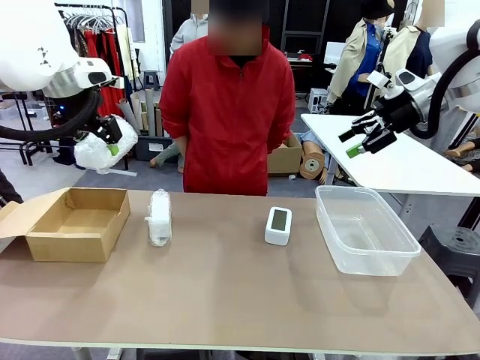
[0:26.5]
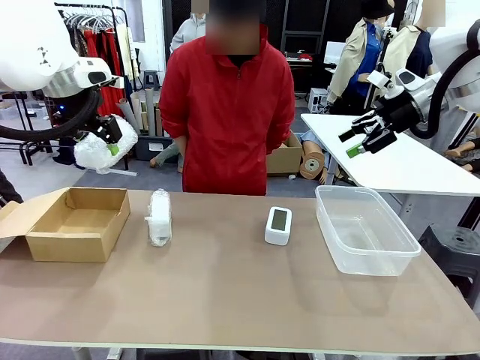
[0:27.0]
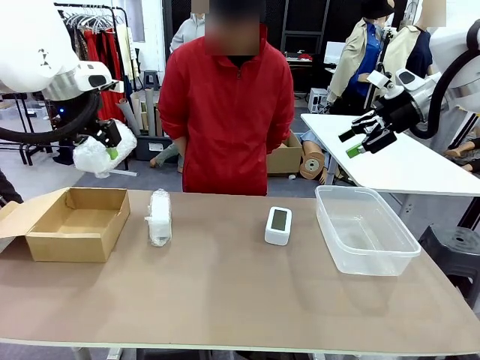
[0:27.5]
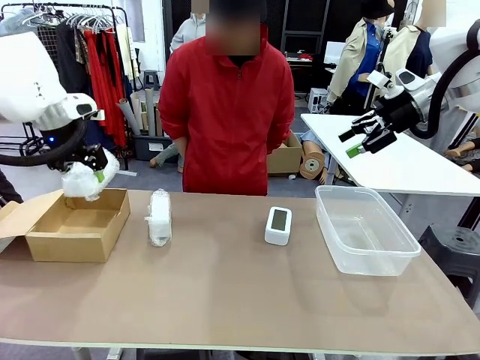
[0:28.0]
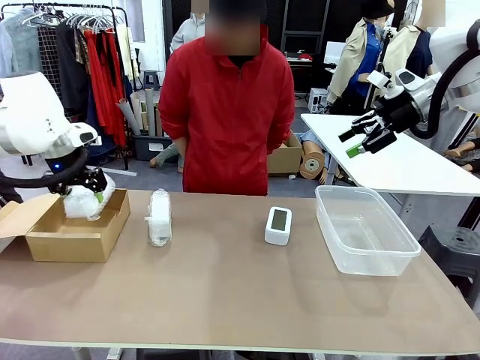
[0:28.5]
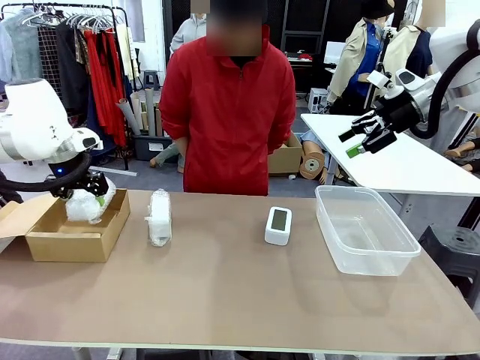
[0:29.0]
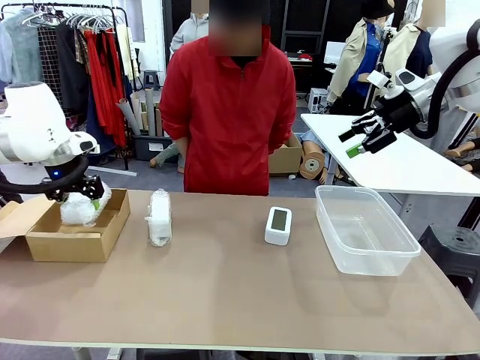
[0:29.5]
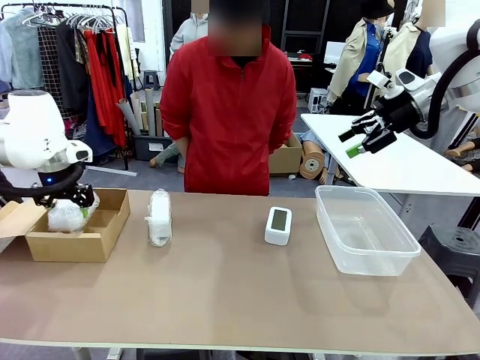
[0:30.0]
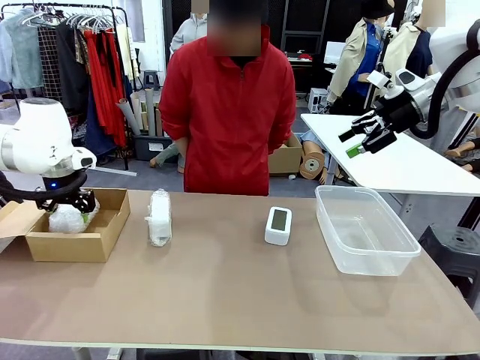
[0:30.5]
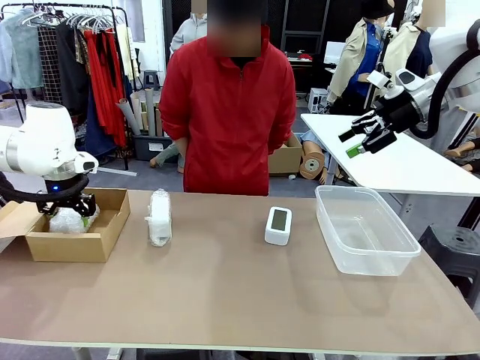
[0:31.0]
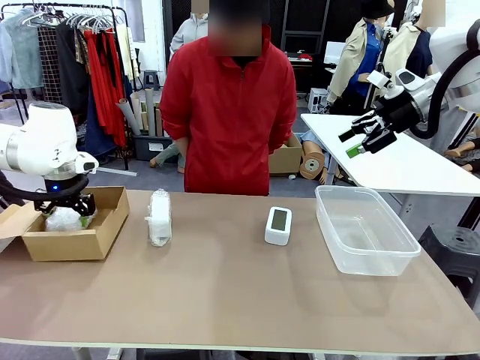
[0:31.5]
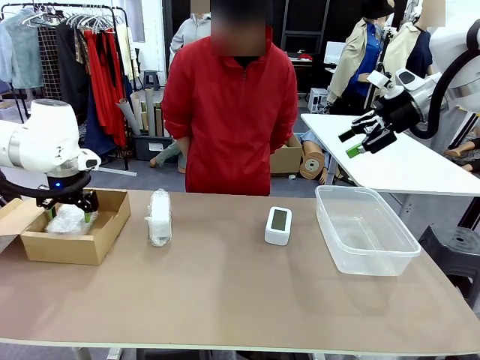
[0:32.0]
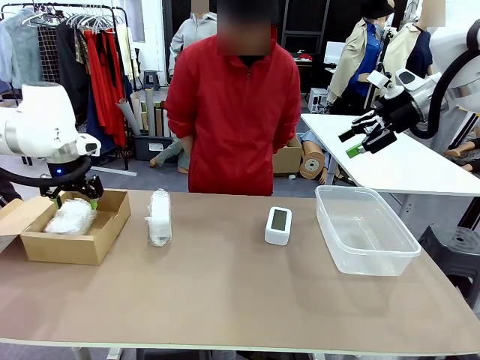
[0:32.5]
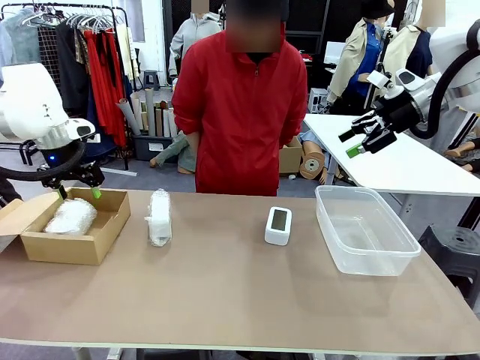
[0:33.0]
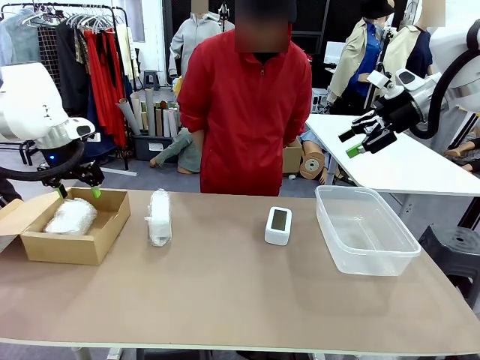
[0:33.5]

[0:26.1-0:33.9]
Task: Separate and place wrapped and unwrapped clocks.
Robot: If the picked Digital clock is wrapped, place it in the Package Box ; if not, place it in the Organizing box.

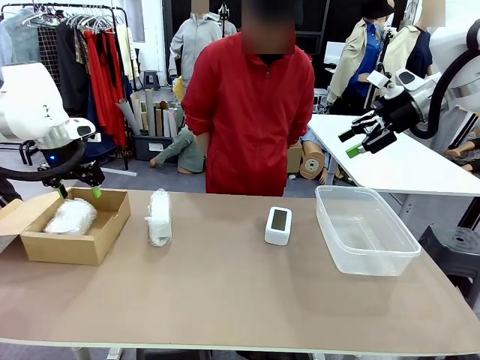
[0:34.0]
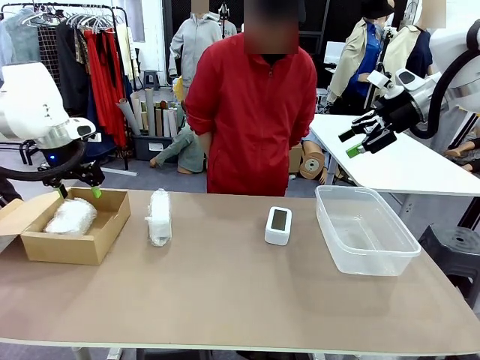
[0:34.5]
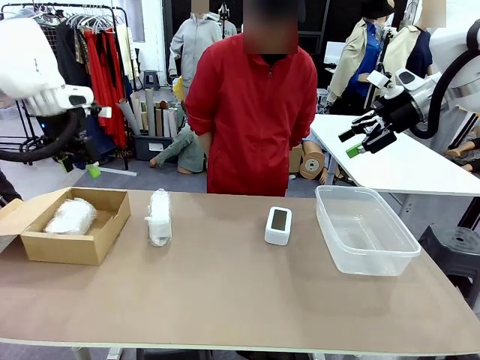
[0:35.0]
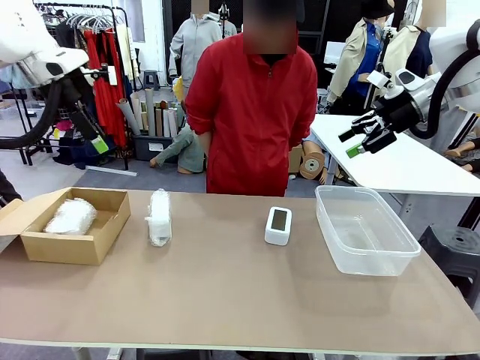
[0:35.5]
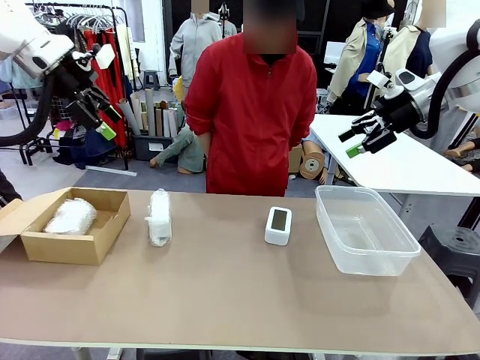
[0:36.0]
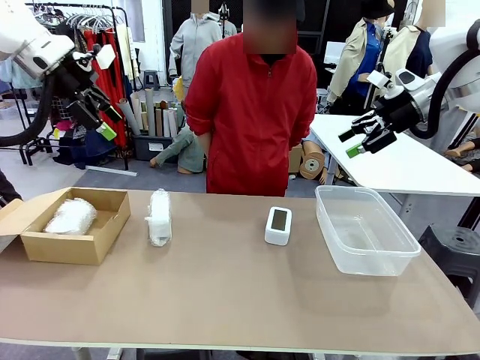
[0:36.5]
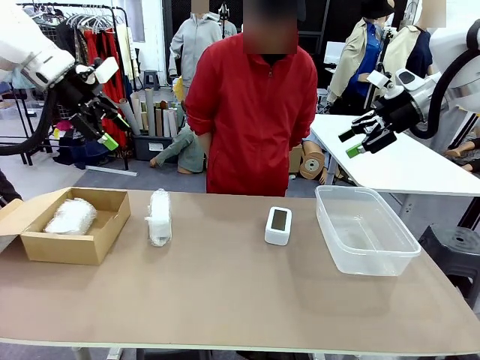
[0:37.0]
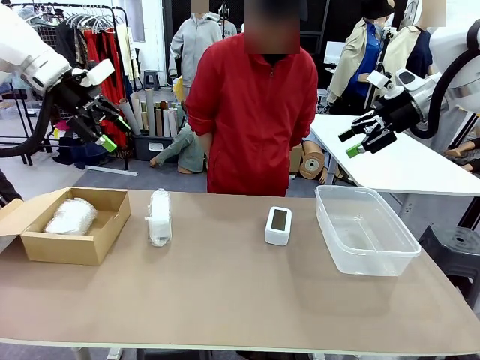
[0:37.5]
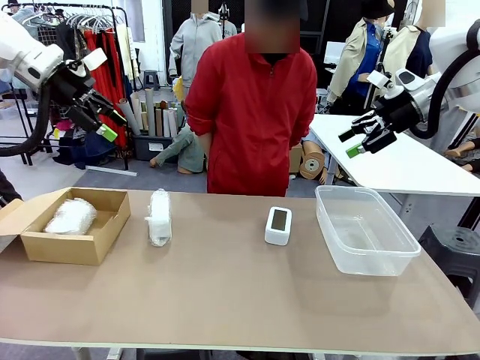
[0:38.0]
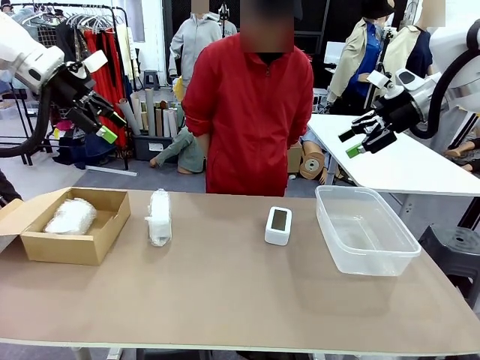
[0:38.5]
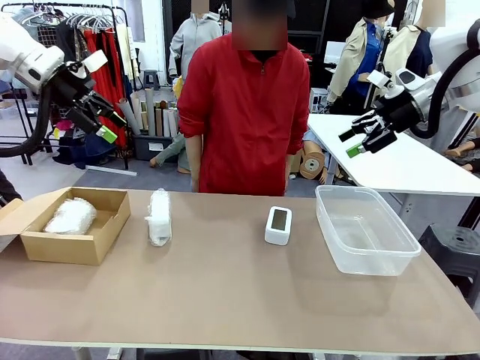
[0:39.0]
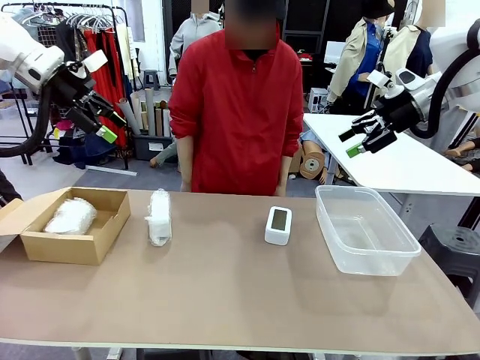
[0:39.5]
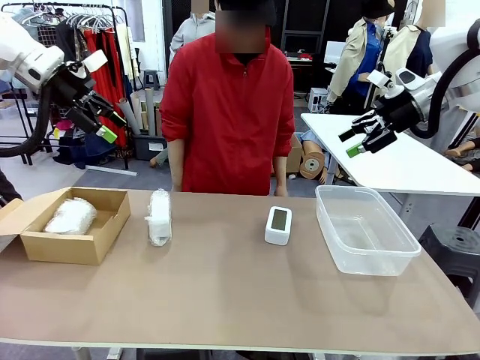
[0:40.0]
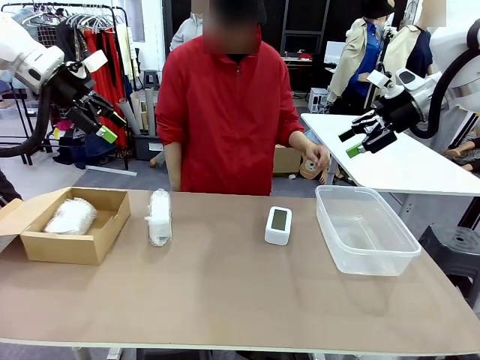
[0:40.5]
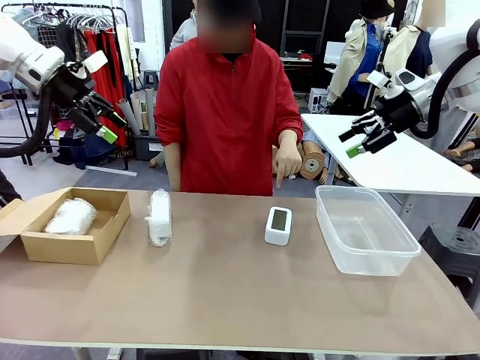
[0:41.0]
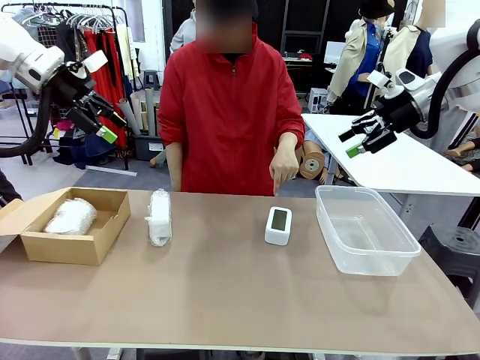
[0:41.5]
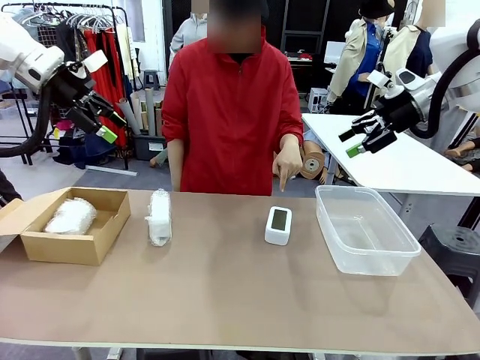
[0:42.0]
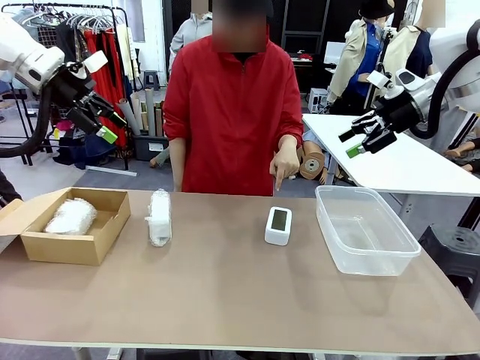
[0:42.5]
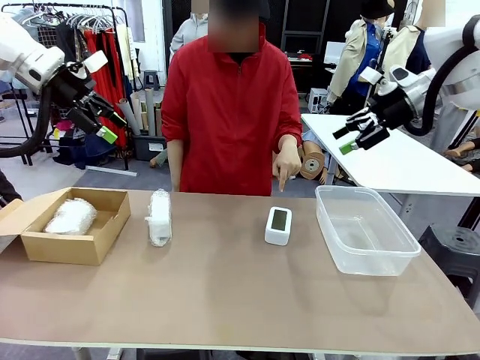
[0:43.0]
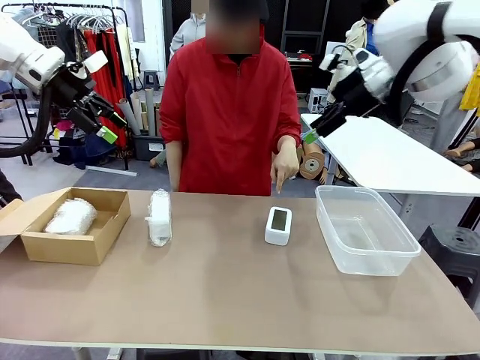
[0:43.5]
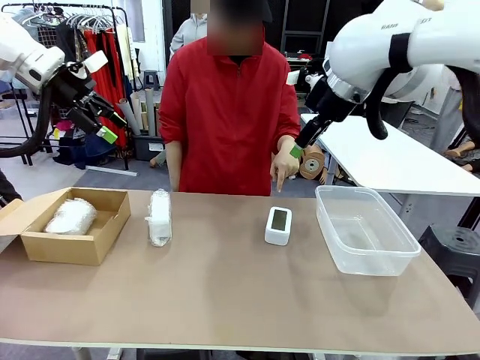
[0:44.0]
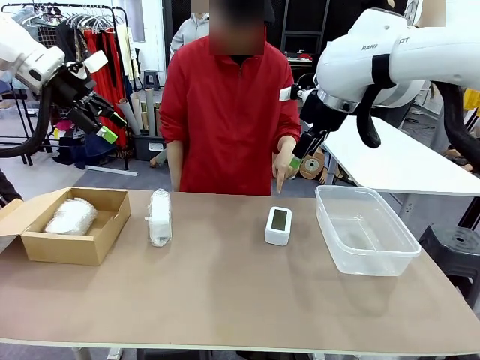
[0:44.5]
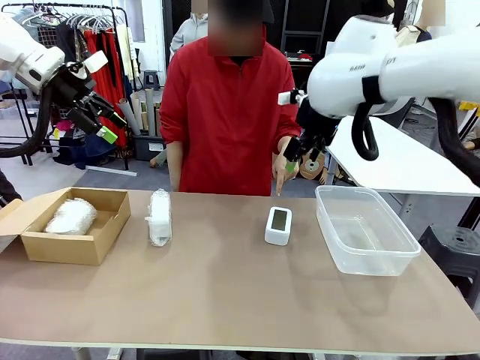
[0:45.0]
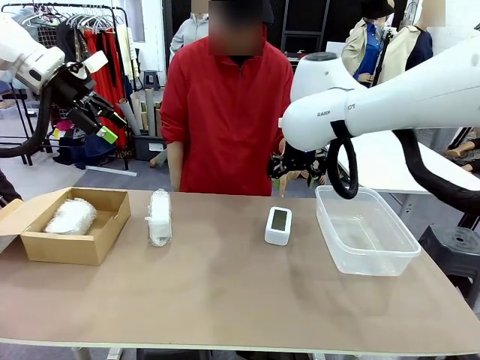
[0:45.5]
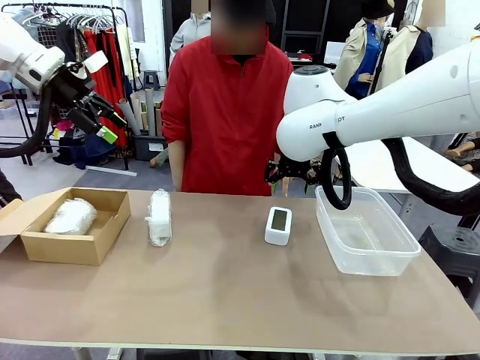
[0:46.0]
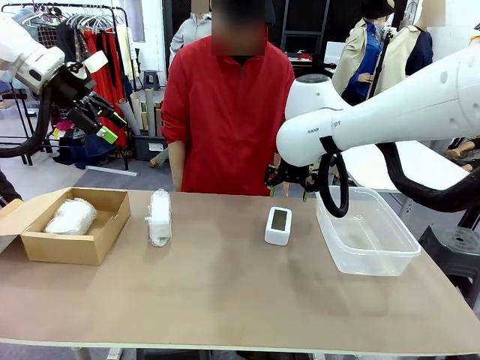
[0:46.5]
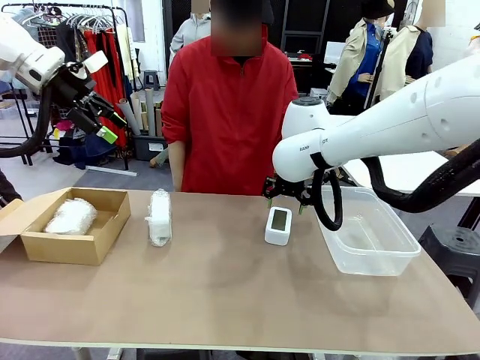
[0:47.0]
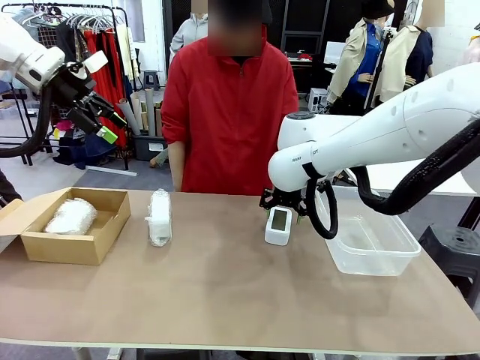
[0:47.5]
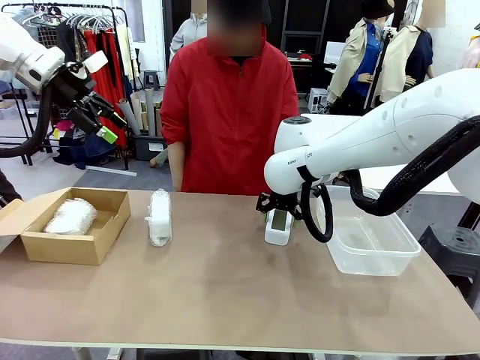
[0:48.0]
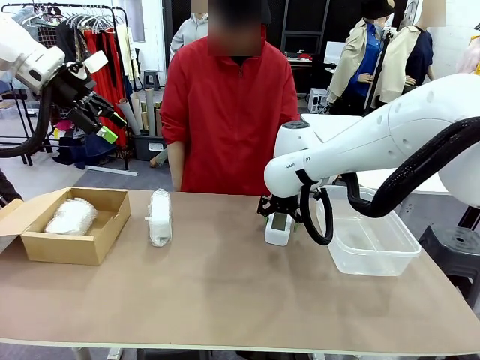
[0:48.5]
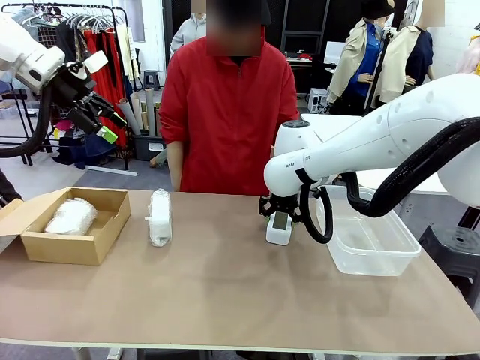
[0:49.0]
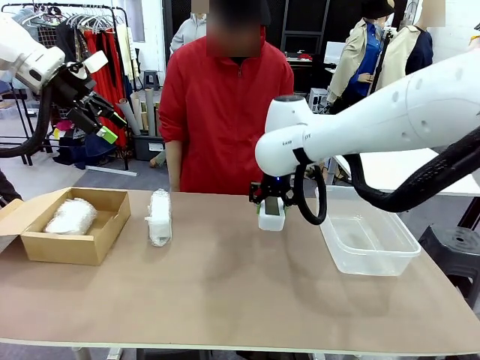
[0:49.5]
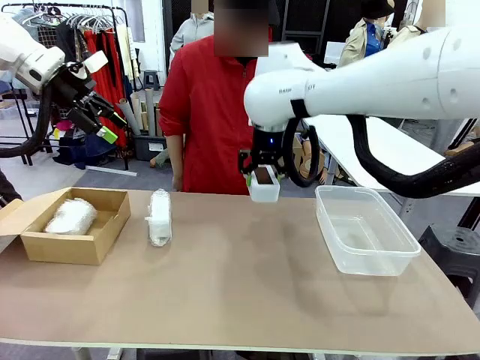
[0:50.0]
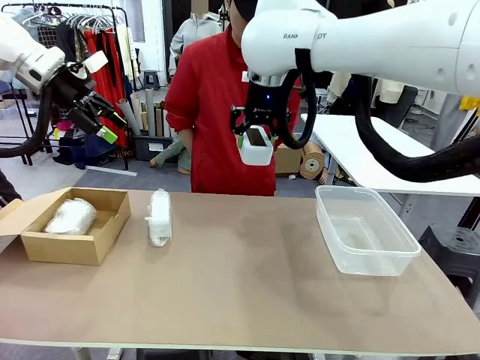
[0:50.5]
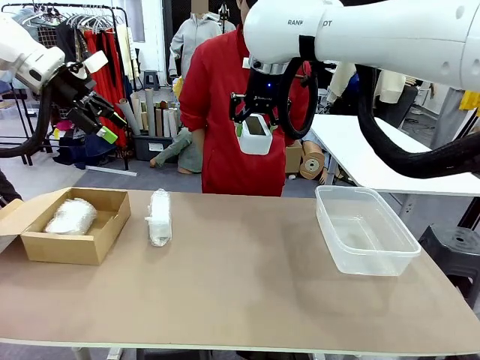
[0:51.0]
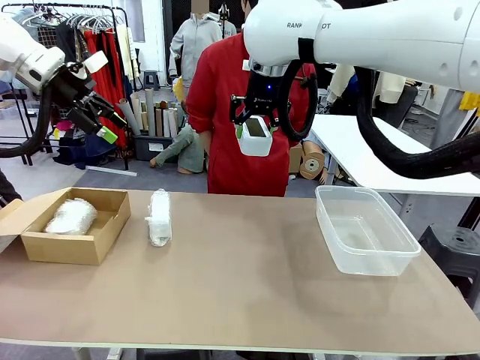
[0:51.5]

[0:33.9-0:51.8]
Robot: Pick up the Digital clock indicated by the person.
